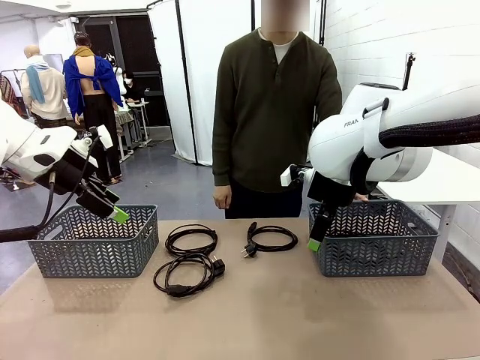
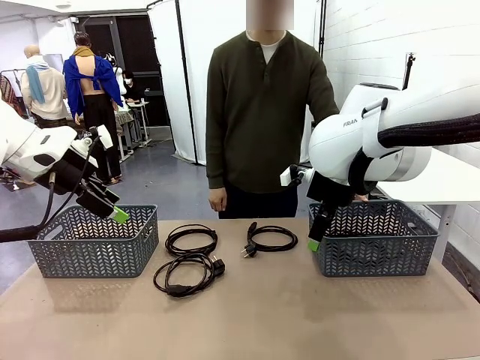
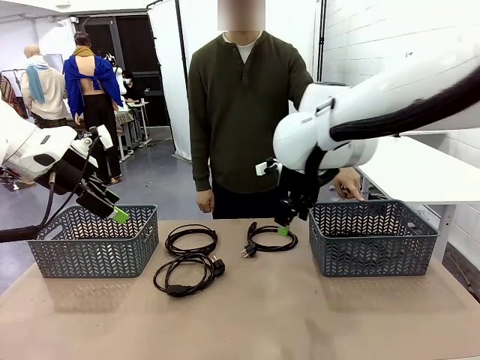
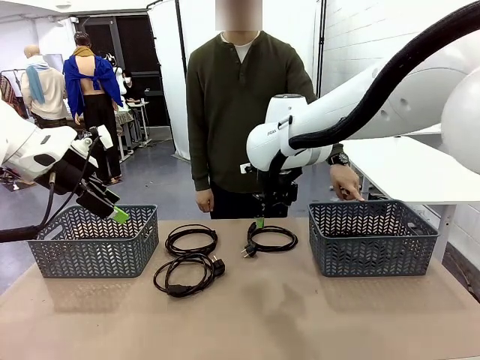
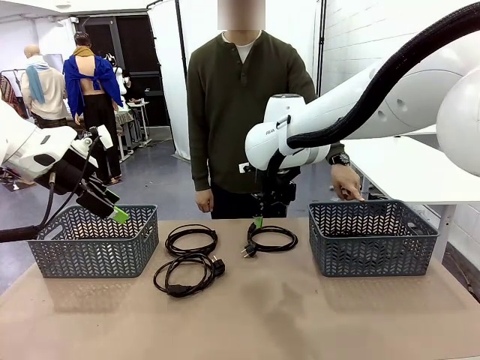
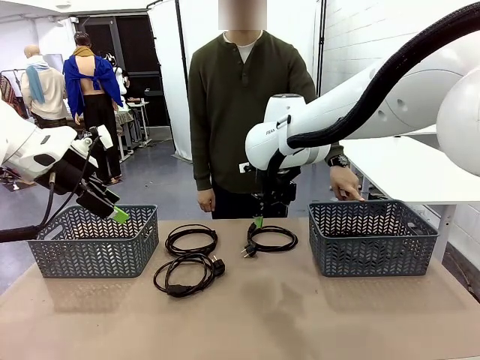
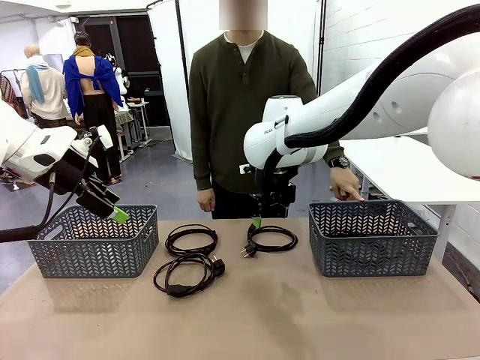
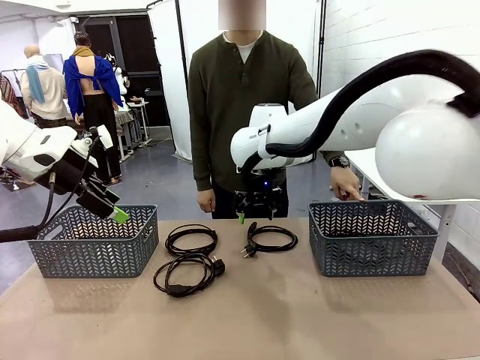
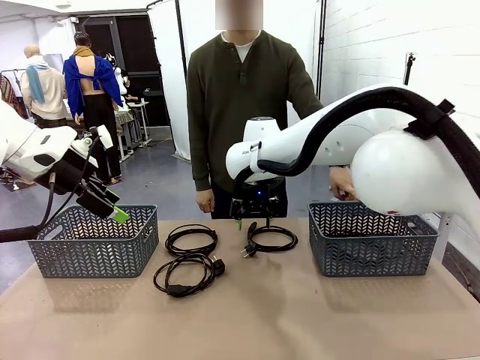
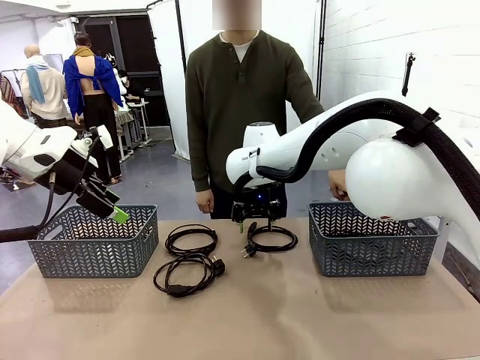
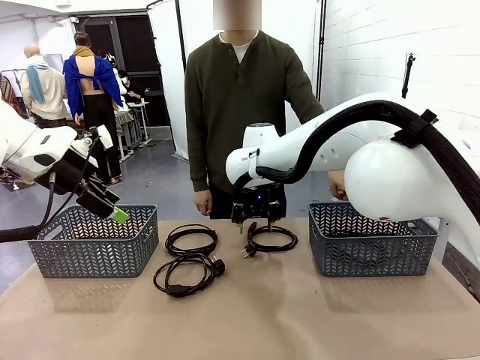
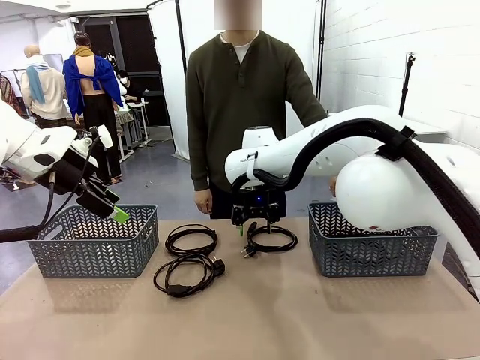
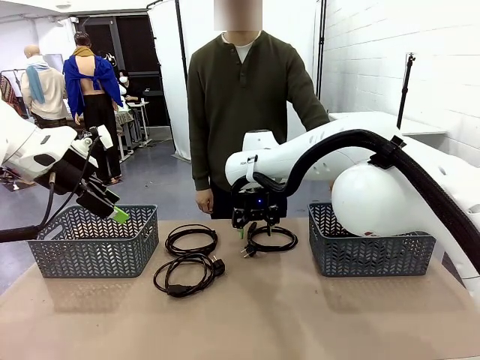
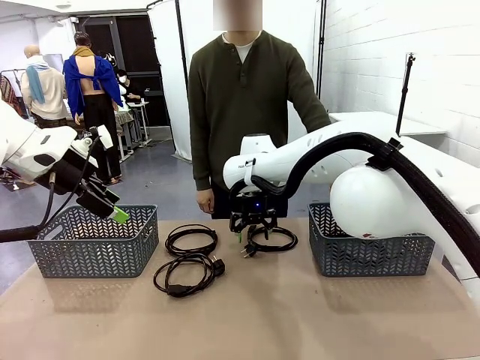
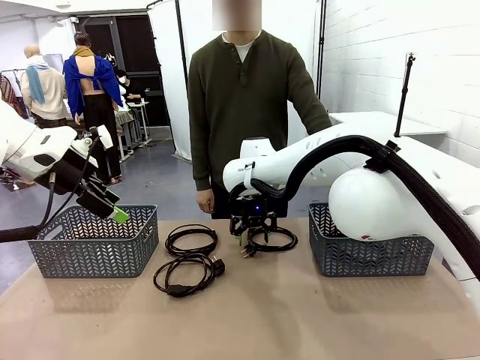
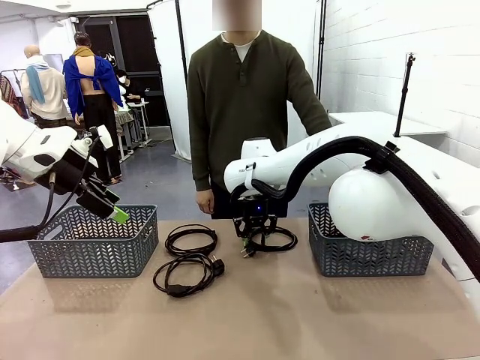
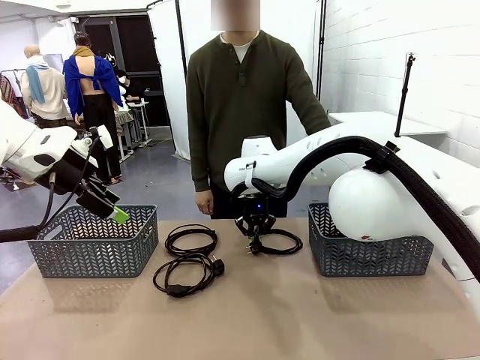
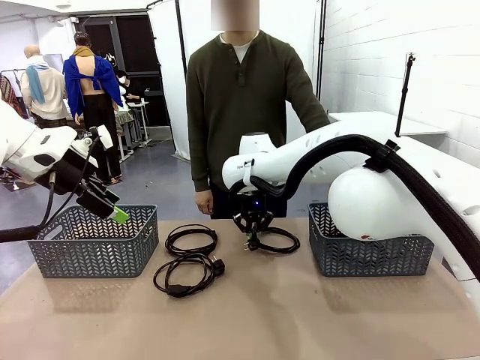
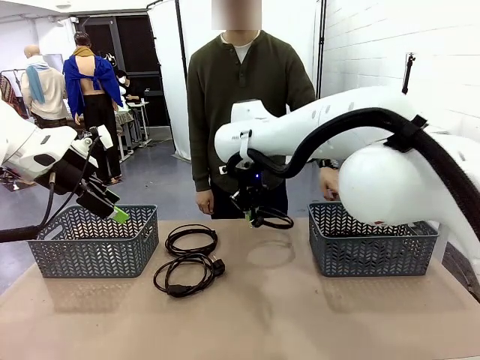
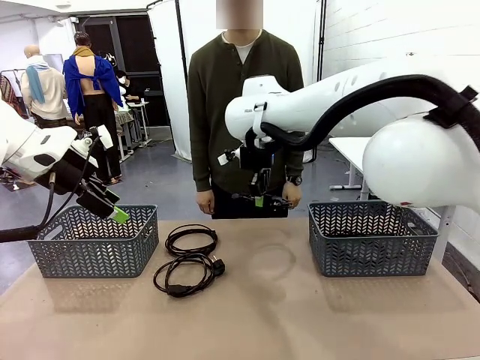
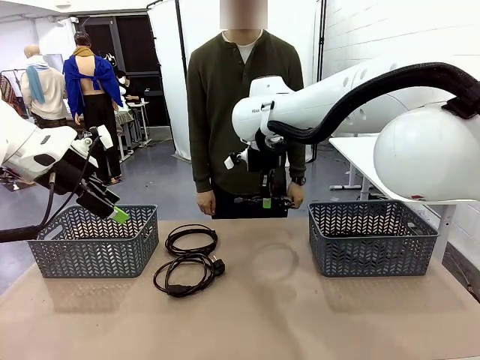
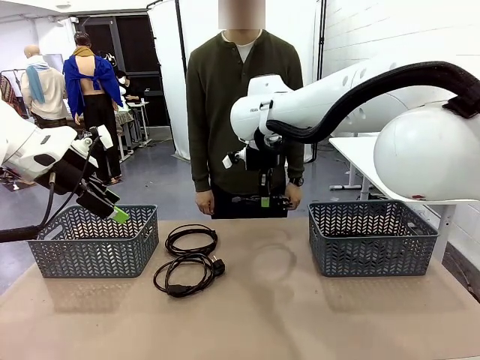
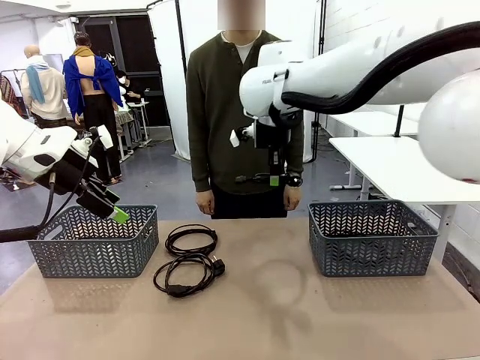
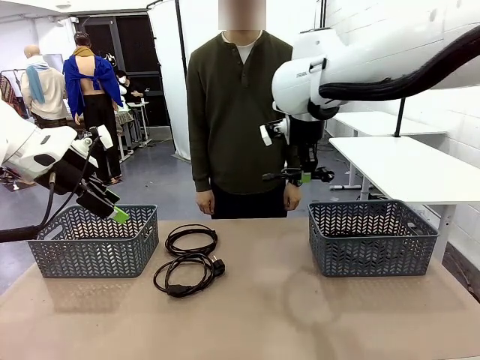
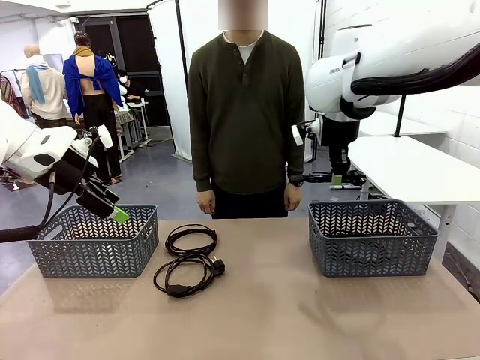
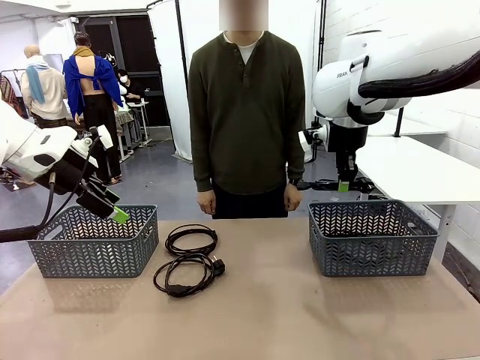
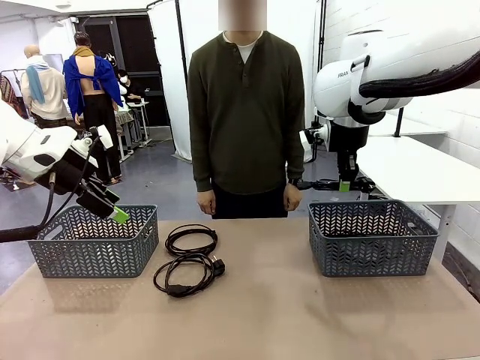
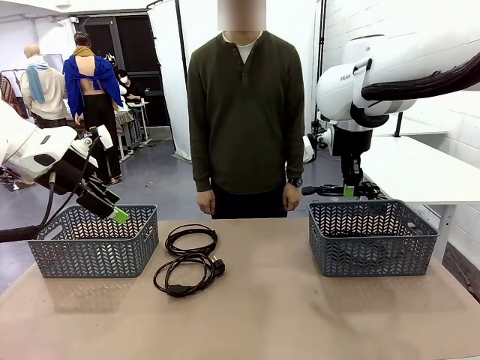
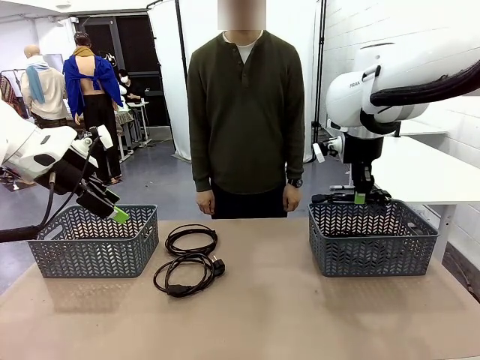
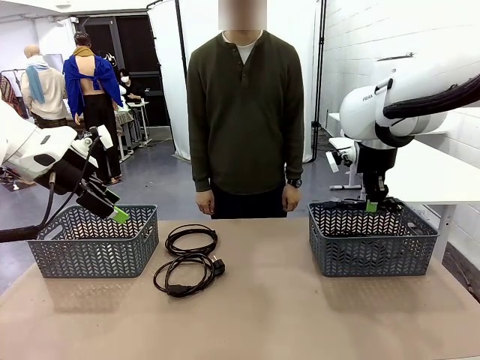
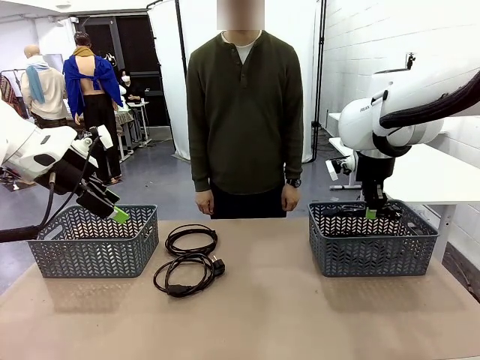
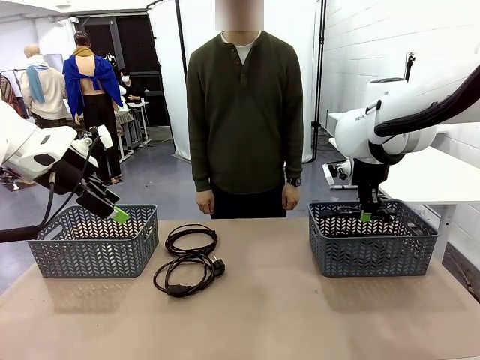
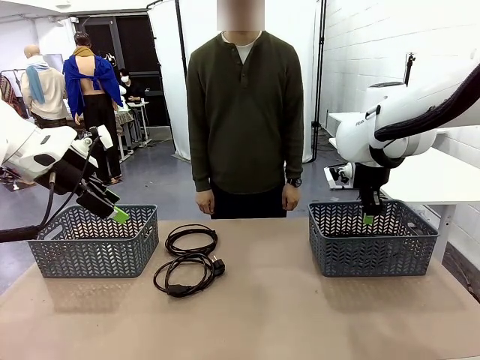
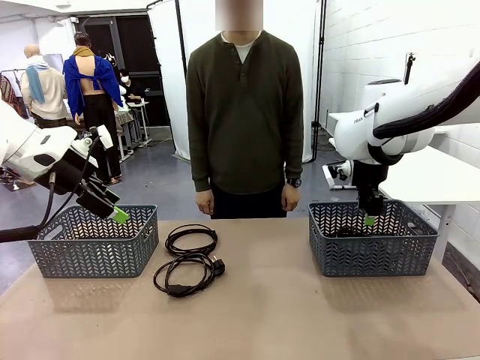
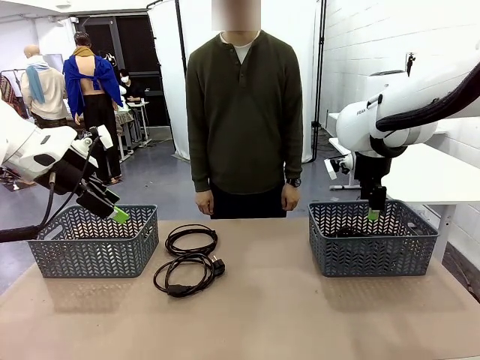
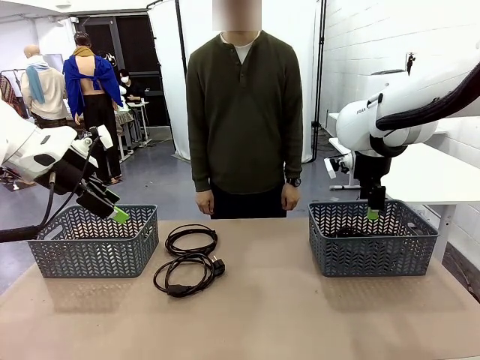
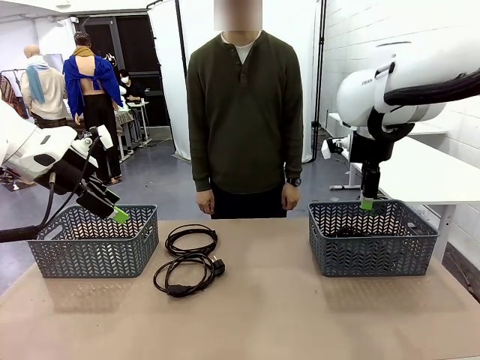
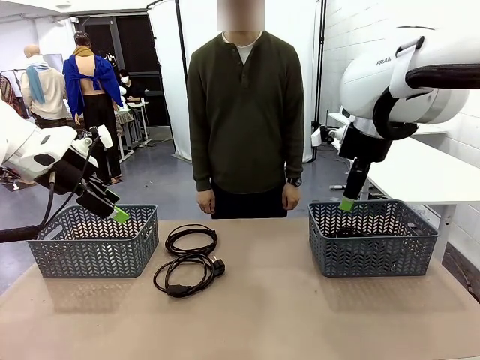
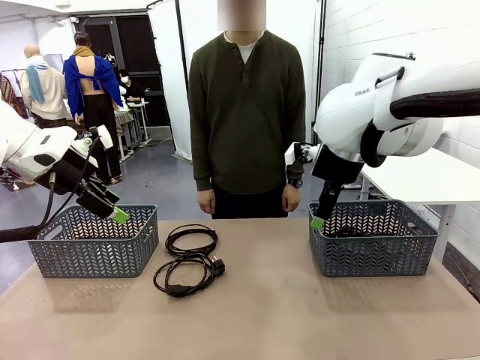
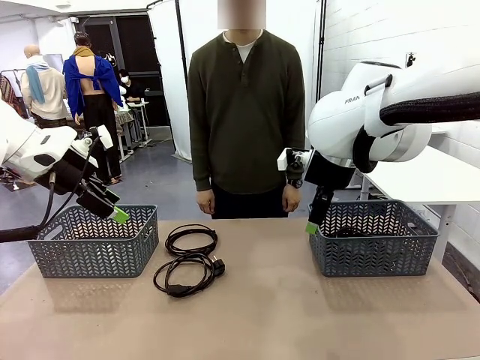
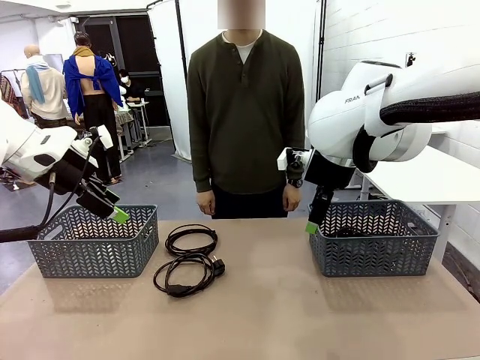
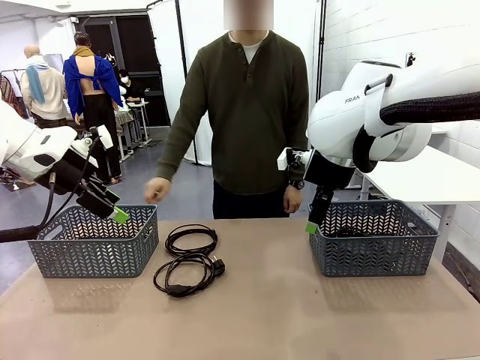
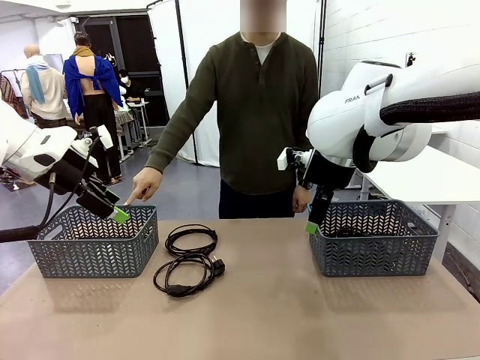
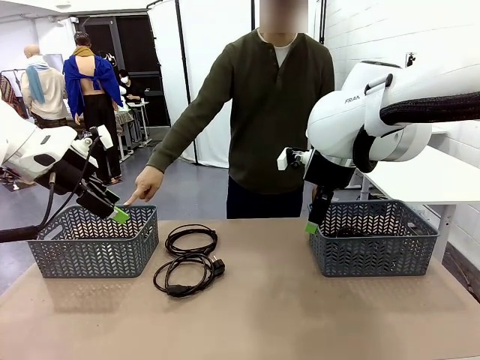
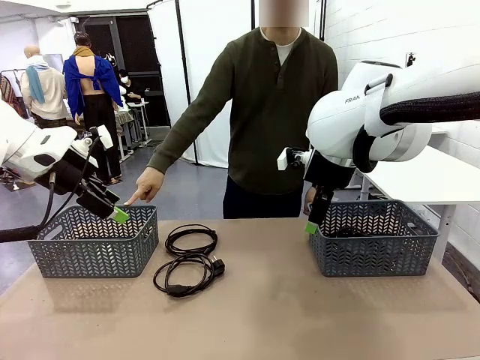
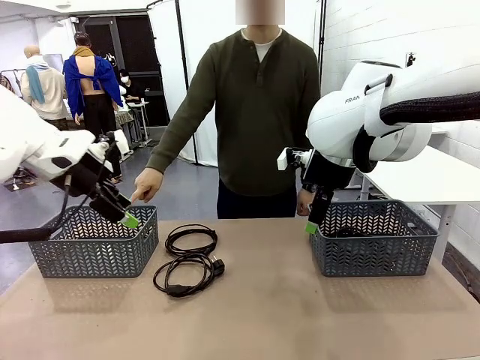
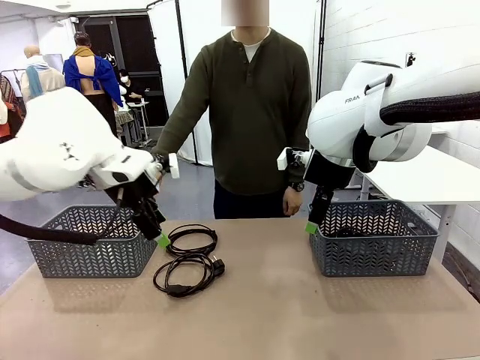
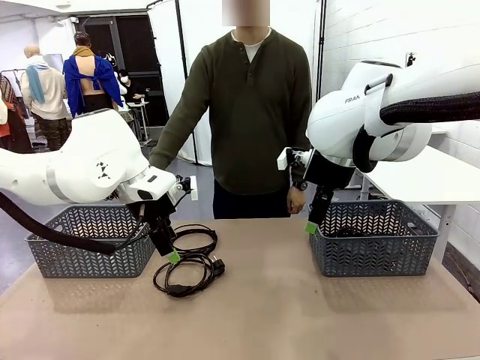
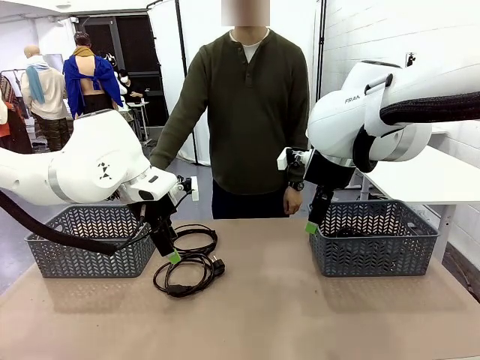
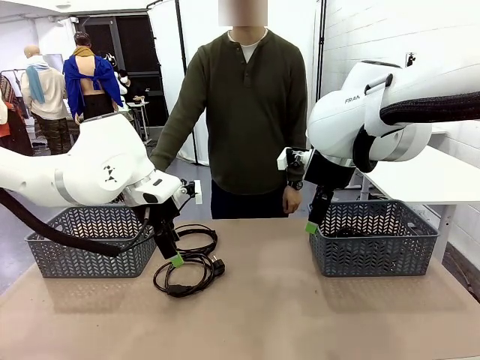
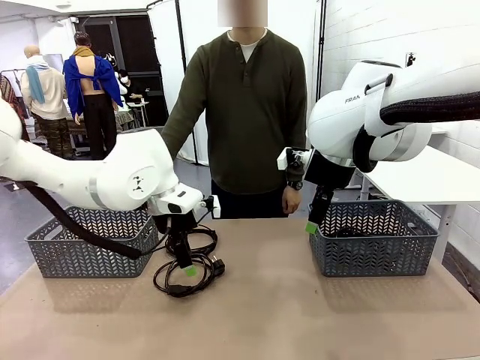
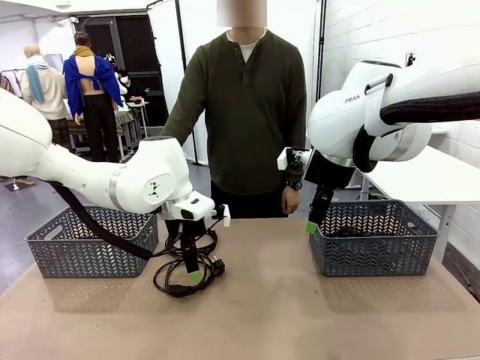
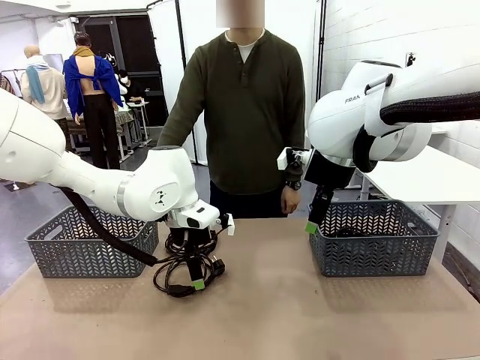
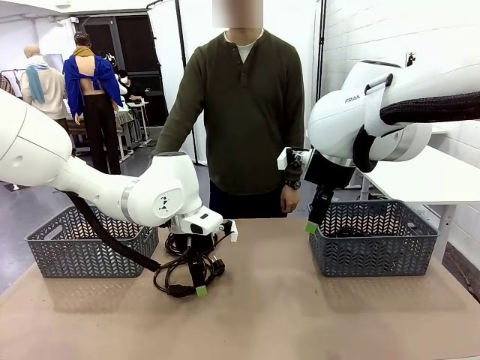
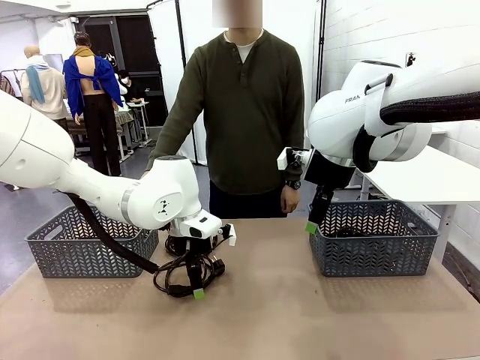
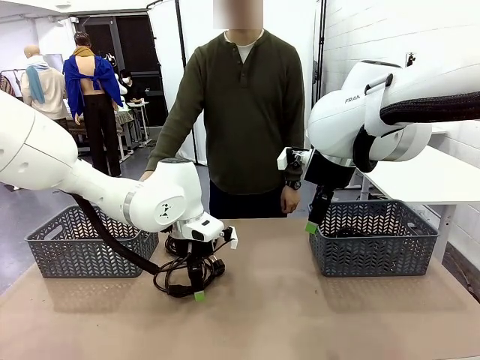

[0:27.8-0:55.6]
Task: Organize the cables according to human instructions.
Robot: Pick up a bundle of cables and place it in the basket indicated by the human.
